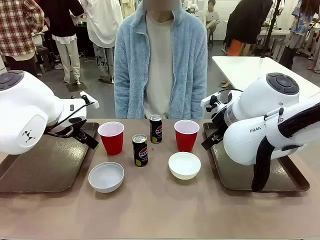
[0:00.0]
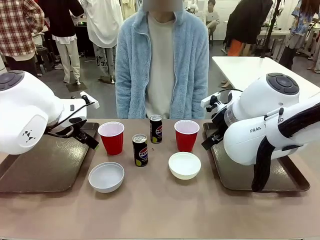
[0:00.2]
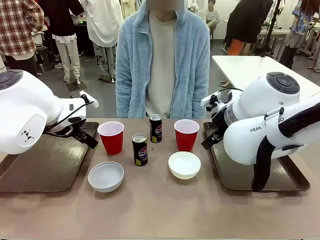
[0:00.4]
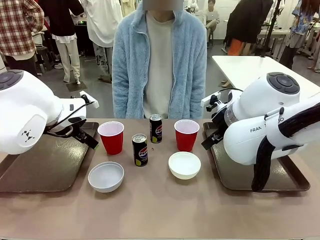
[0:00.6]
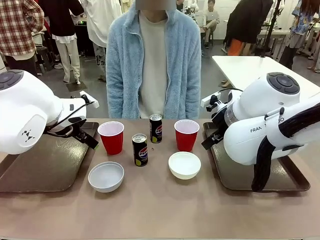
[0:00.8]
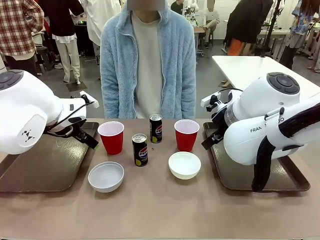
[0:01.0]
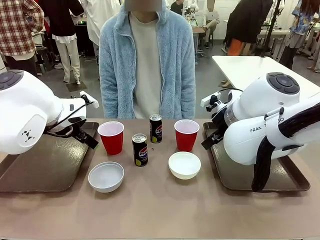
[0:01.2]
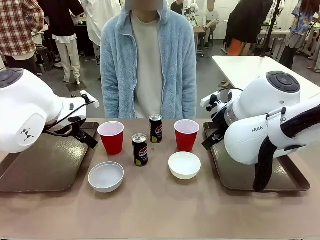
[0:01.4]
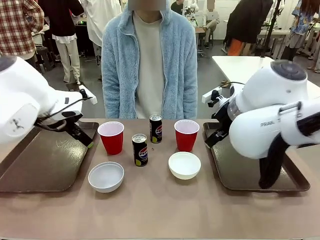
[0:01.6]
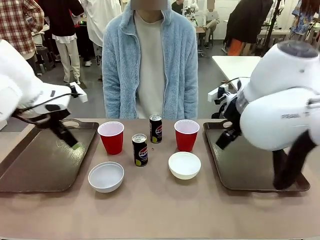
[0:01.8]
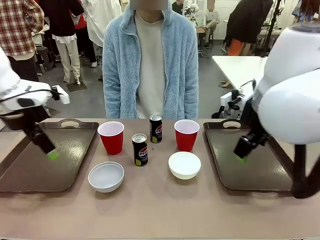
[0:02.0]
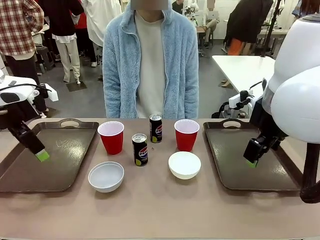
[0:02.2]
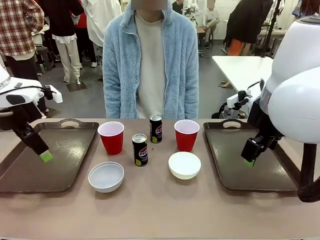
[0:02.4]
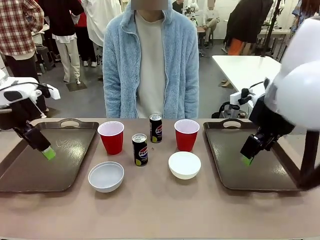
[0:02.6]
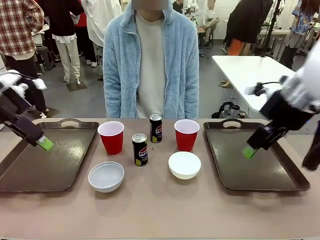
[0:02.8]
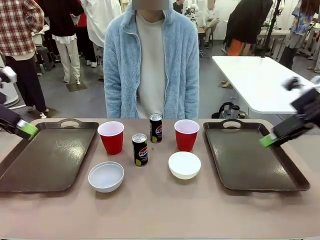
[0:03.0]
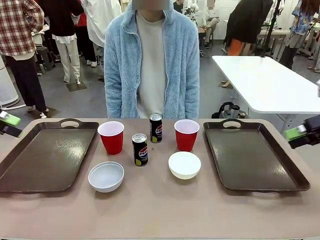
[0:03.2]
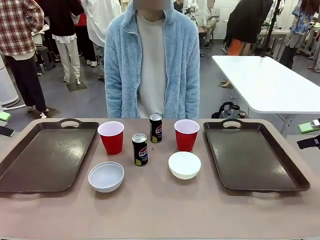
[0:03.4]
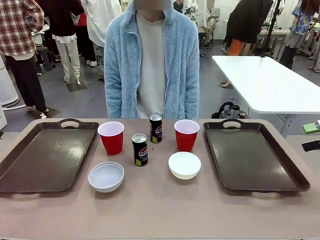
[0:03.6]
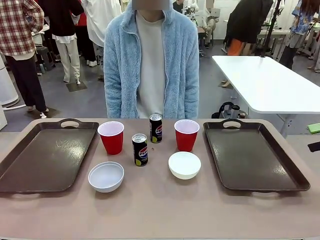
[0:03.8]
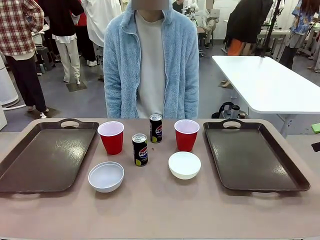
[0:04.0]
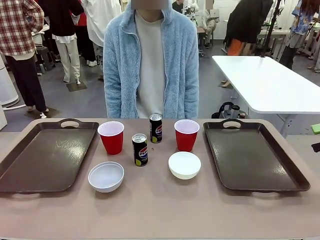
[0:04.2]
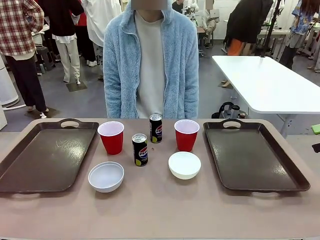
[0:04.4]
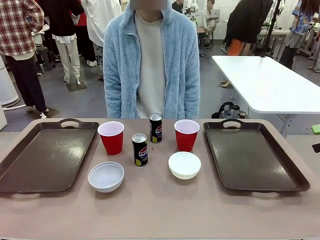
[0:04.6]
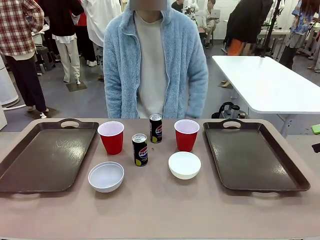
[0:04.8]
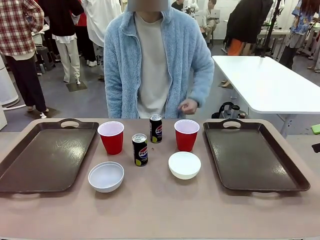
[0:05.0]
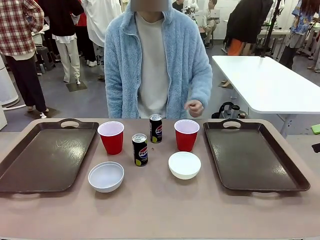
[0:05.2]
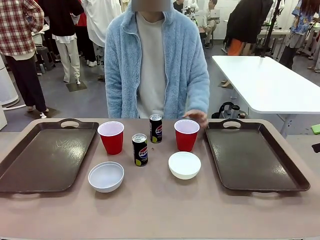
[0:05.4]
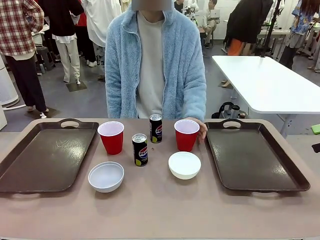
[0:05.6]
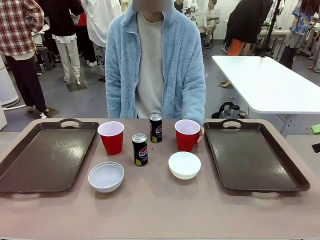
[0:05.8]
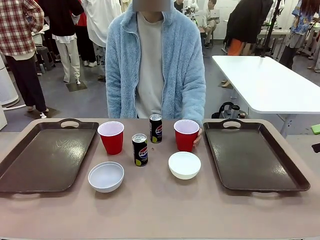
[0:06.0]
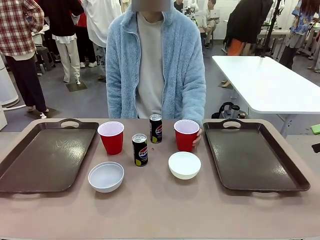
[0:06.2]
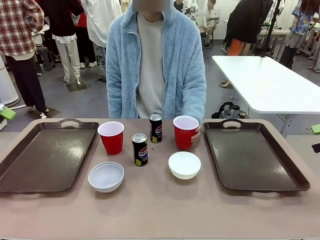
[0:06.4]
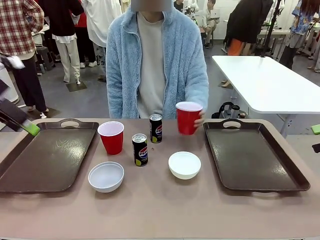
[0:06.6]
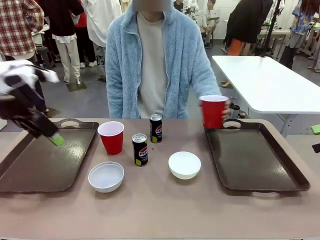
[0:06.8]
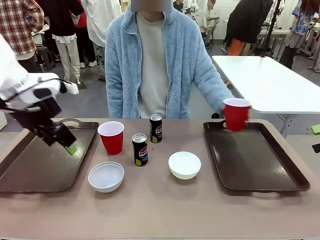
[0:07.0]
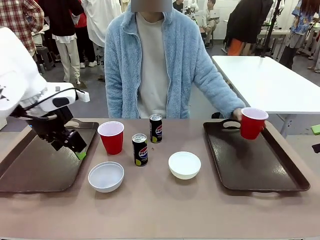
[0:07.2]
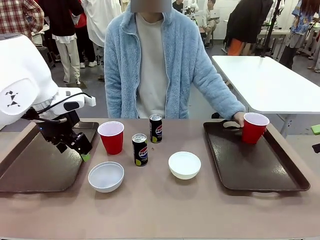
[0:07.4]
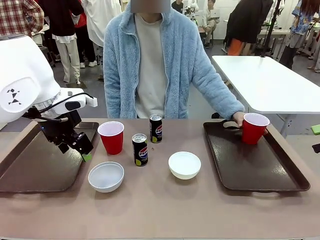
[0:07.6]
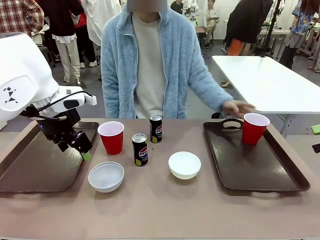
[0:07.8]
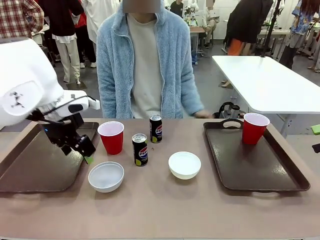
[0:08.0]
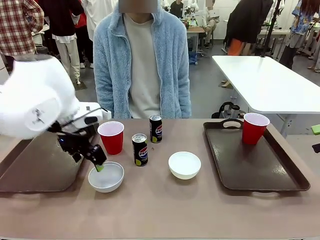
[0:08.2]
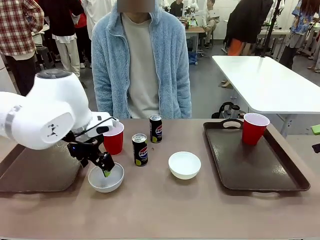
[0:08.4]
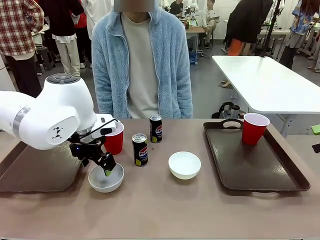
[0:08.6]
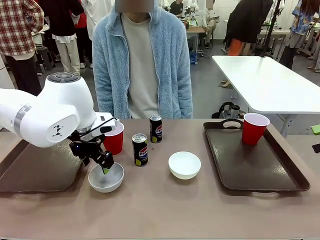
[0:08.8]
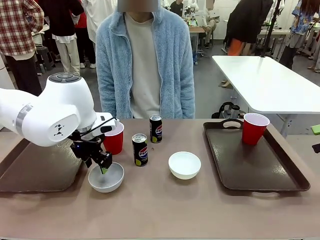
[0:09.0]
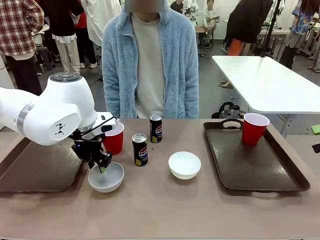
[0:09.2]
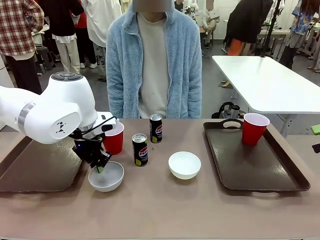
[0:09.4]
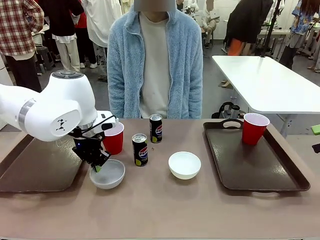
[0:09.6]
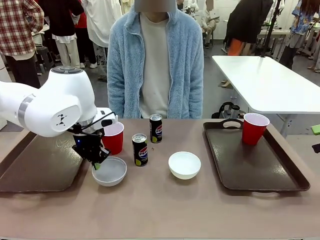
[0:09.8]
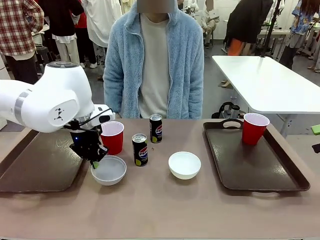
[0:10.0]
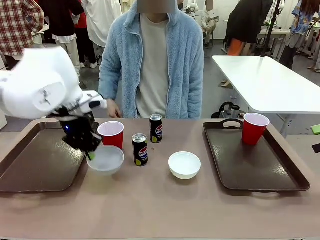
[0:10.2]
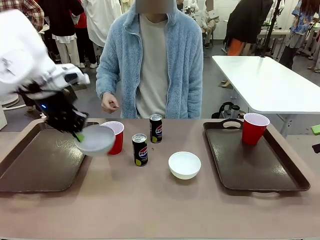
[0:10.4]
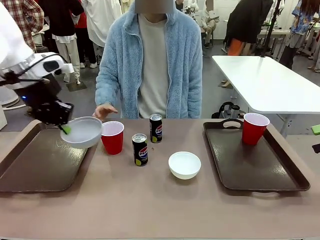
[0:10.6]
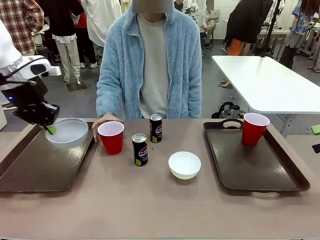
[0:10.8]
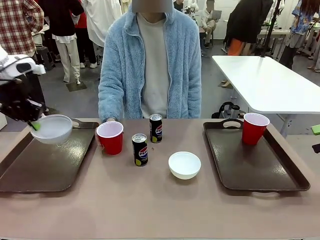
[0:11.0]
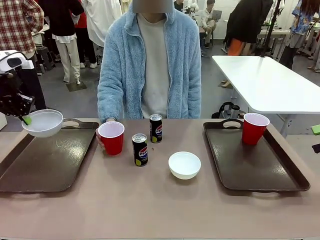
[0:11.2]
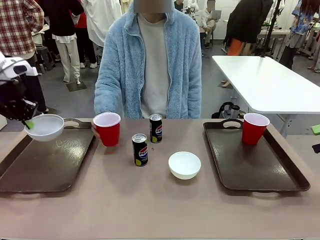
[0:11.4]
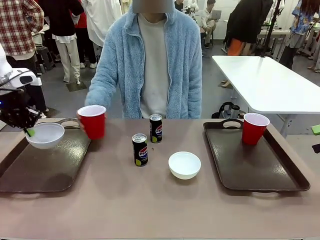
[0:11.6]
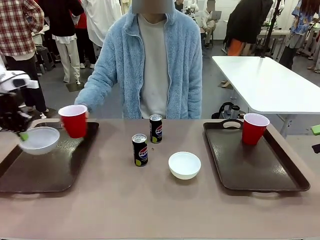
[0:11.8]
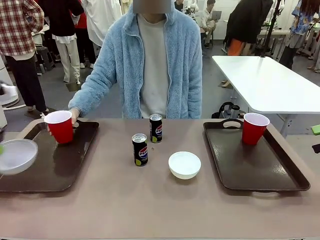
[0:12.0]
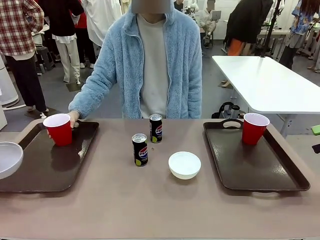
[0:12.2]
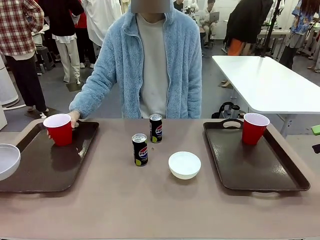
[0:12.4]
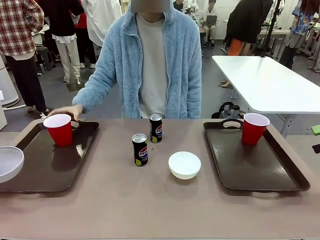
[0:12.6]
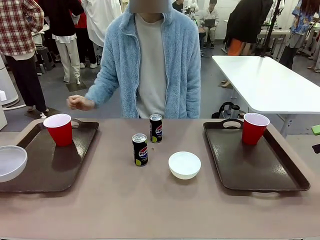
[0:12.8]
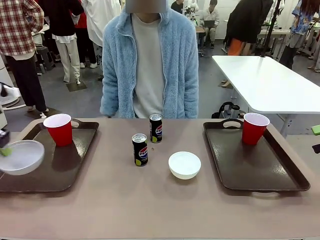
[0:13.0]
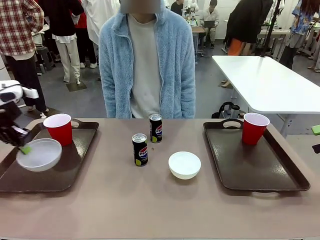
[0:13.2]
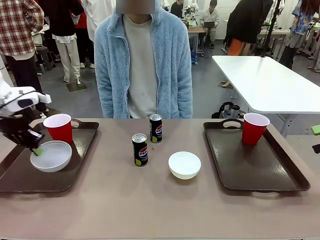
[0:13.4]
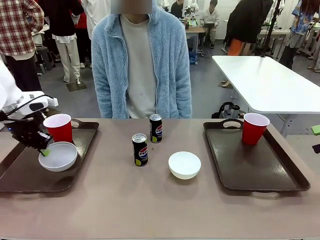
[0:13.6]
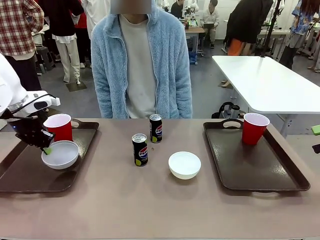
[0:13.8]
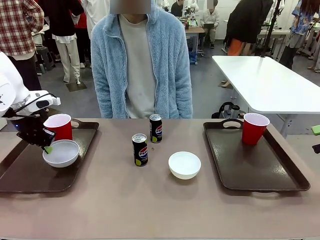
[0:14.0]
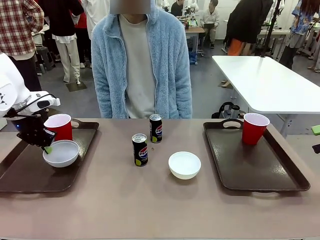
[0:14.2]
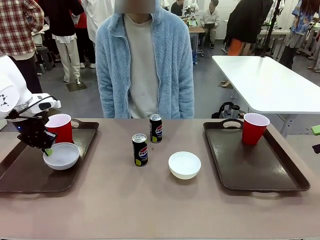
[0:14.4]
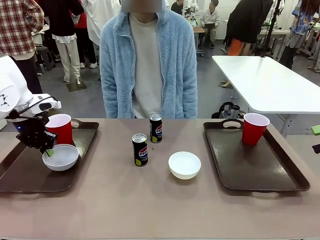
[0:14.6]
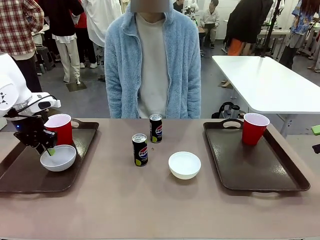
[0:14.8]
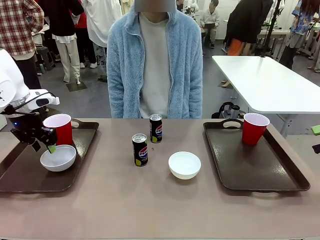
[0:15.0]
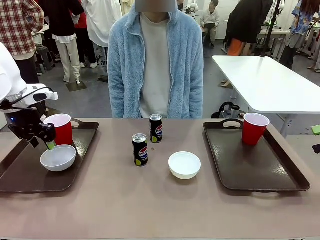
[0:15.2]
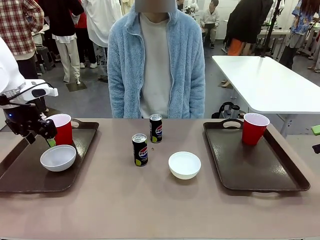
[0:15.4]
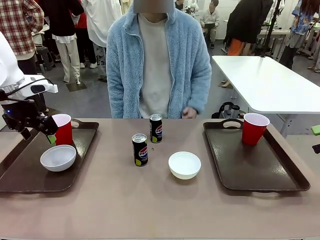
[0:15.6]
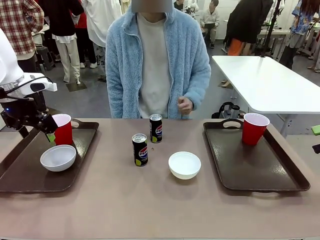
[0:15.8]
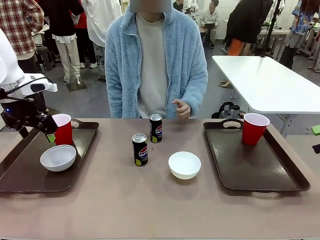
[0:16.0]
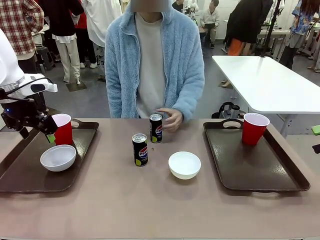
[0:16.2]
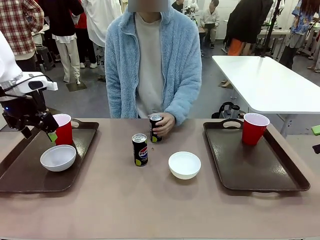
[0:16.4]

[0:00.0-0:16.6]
Task: Prepare tableware on both trays.
Robot: Pick up a Picnic Bowl from the table and place it on a Handle tray.
Person: Pick up a can or cup and place it on the tray.
